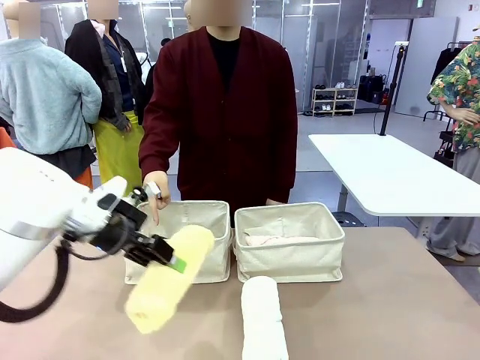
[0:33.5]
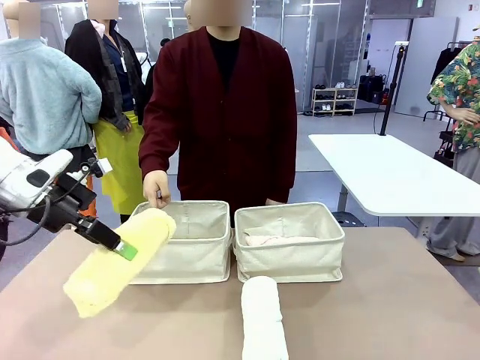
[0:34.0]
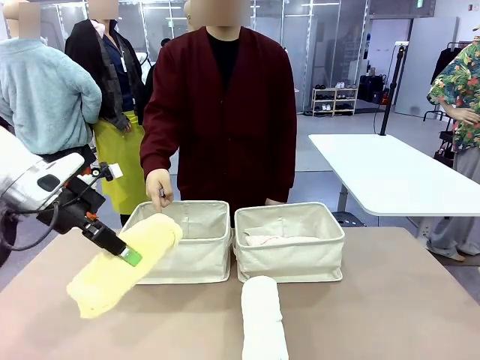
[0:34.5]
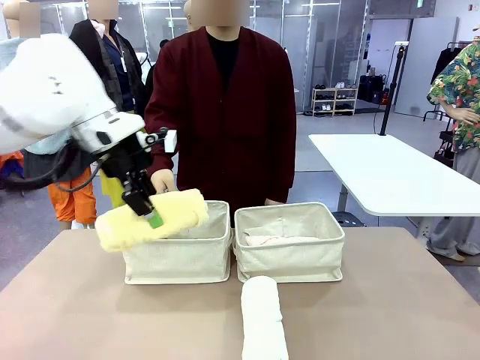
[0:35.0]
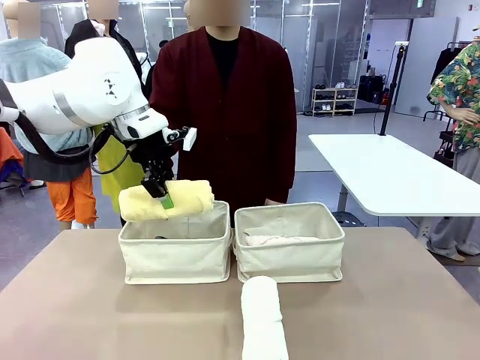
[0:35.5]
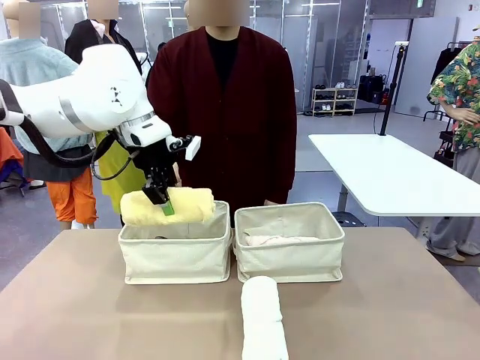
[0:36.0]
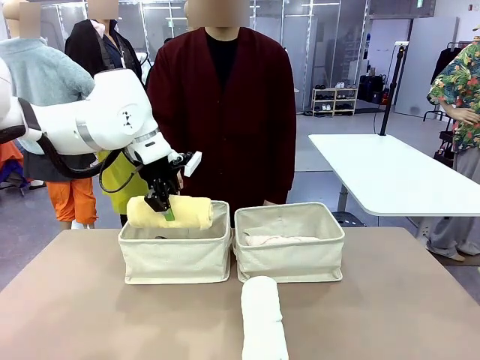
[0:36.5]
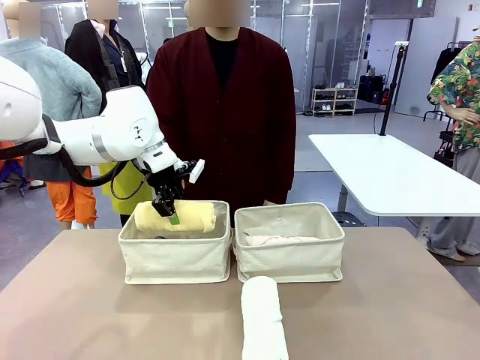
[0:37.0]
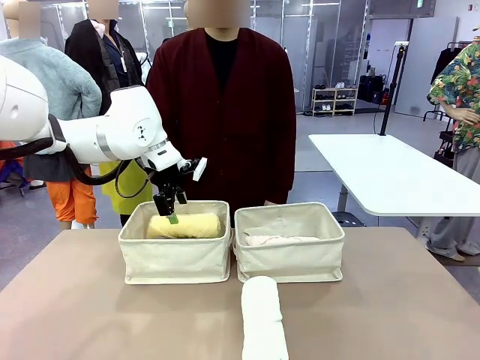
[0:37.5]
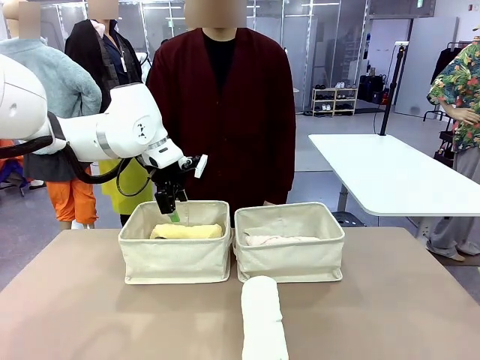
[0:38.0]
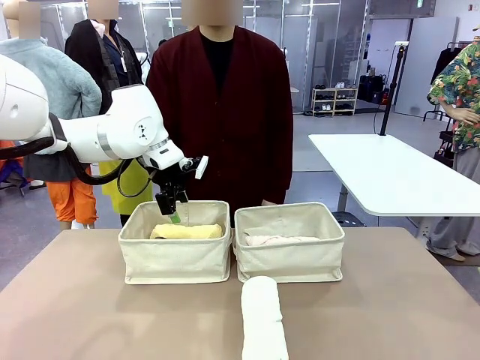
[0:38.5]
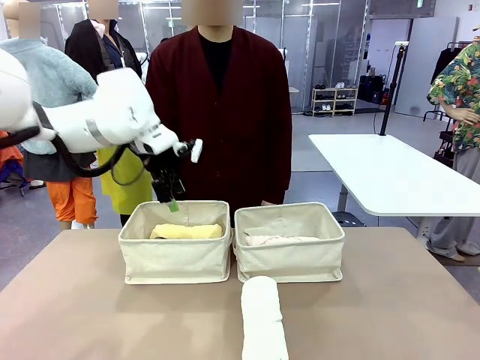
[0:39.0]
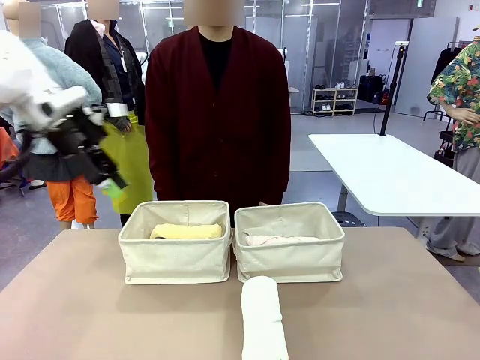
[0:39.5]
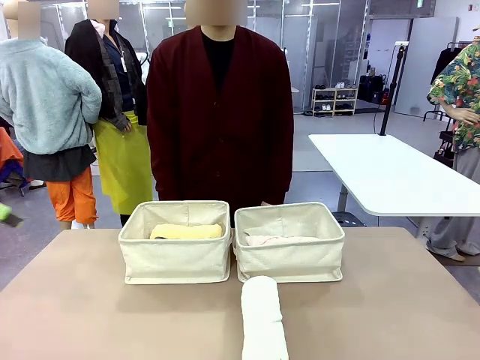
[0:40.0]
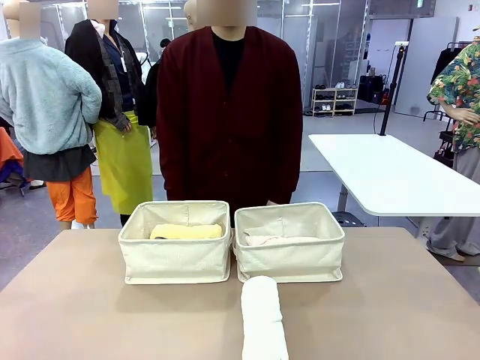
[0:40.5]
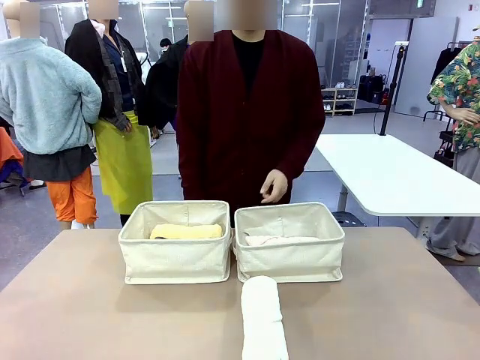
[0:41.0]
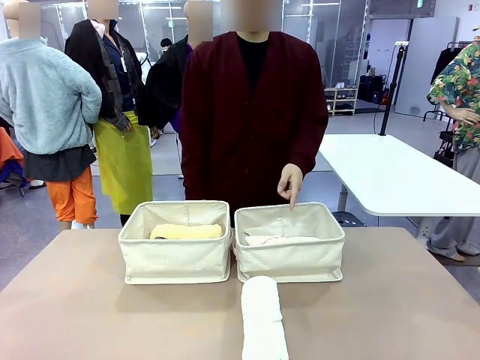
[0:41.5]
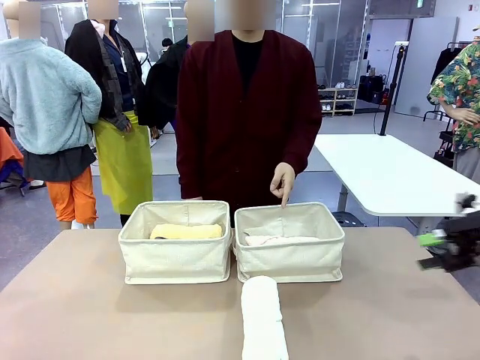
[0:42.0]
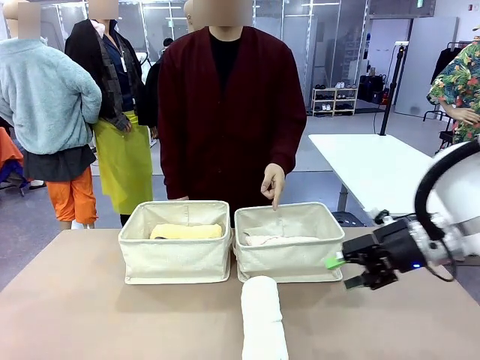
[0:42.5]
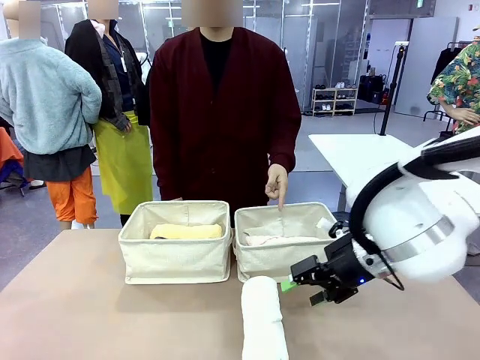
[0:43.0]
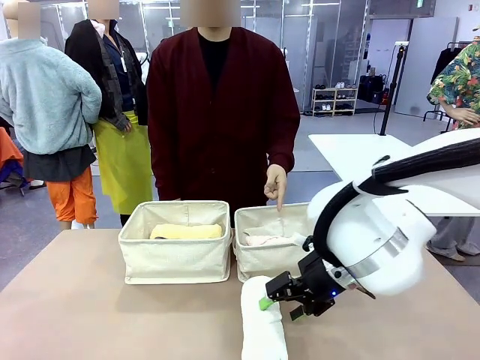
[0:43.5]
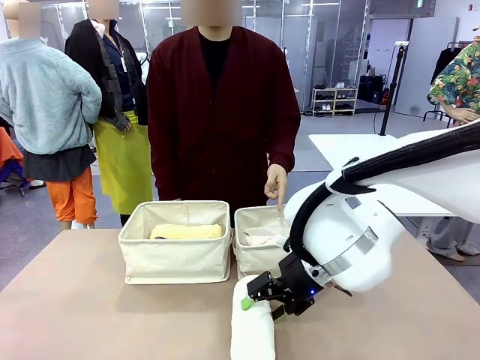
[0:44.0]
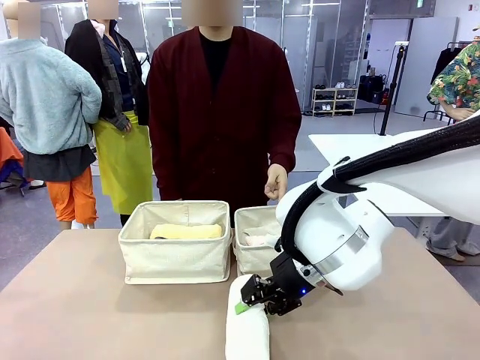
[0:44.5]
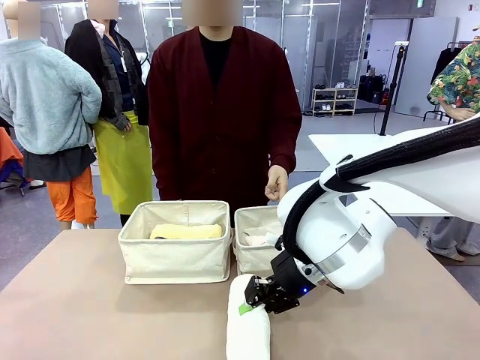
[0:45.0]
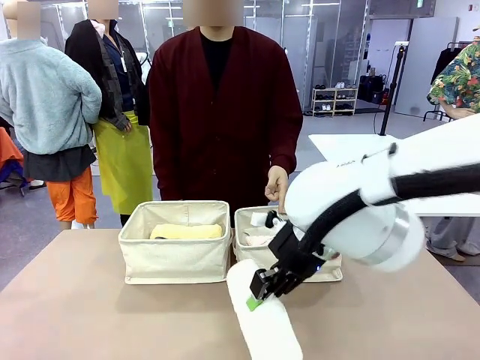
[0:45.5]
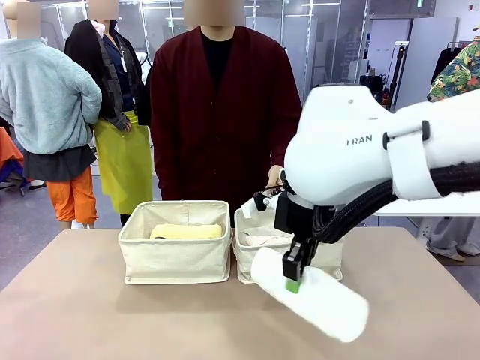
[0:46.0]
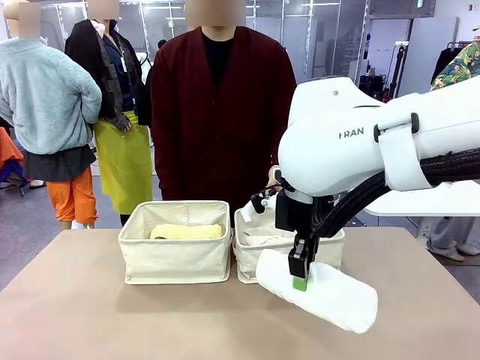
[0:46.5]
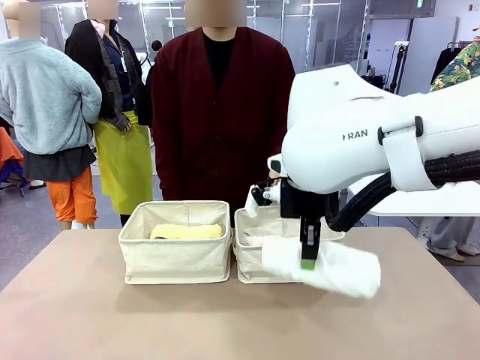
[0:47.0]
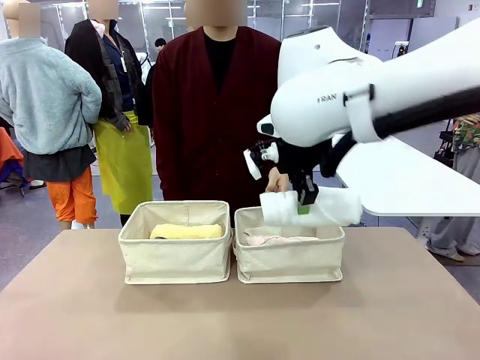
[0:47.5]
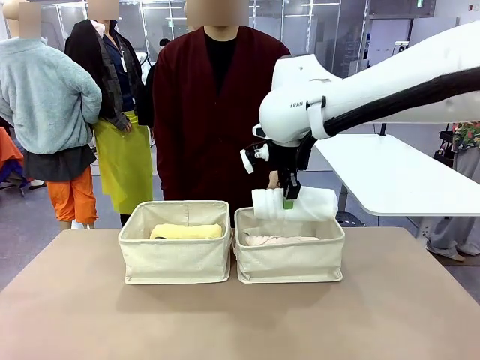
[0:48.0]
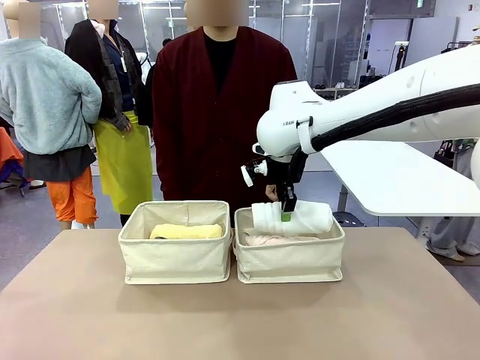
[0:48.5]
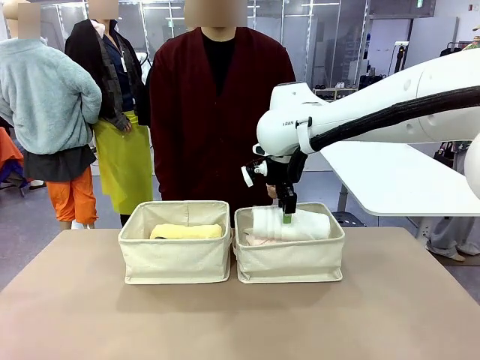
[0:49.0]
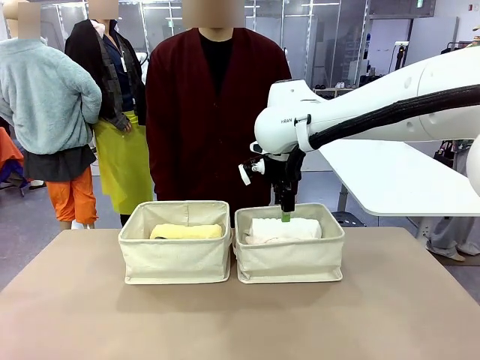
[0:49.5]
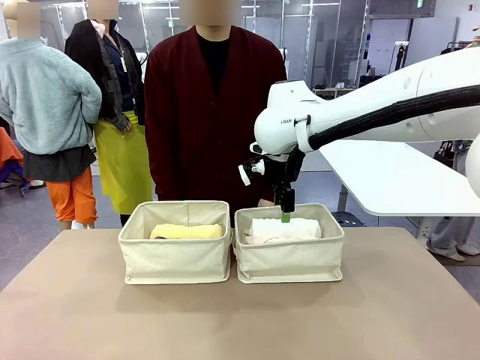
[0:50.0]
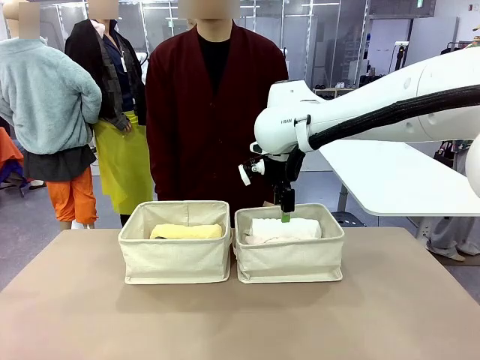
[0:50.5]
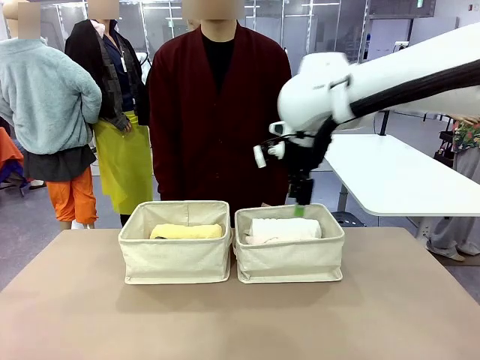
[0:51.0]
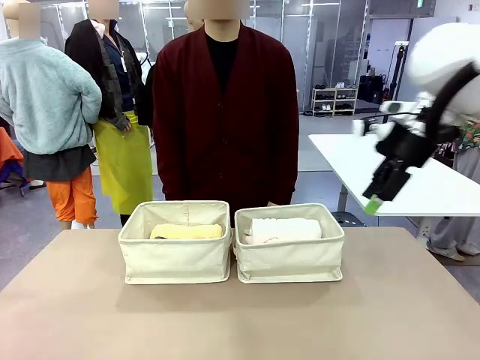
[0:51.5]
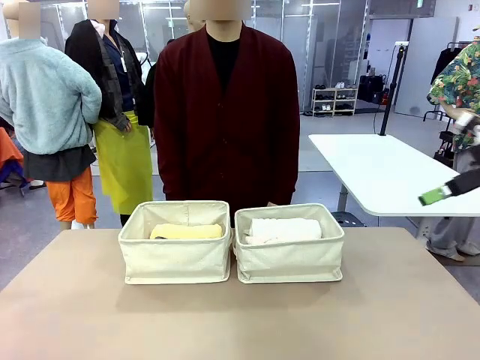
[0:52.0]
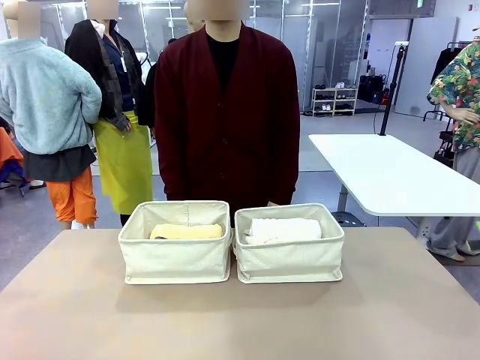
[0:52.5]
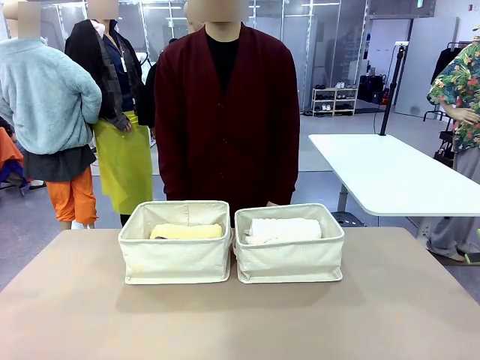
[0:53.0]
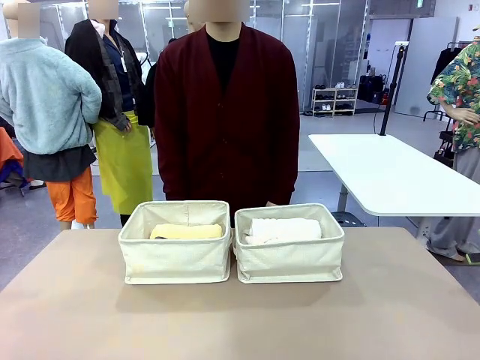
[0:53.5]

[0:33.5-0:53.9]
Task: Divide the towels into two baskets.
Robot: Pick up one hotel-folded towel from the bottom of the table and place it in the Fabric basket indicated by the person.

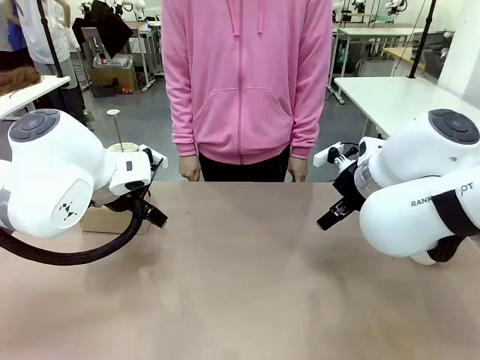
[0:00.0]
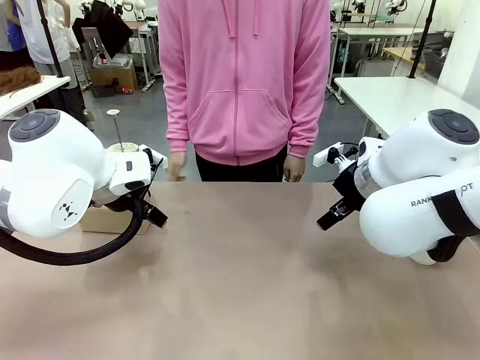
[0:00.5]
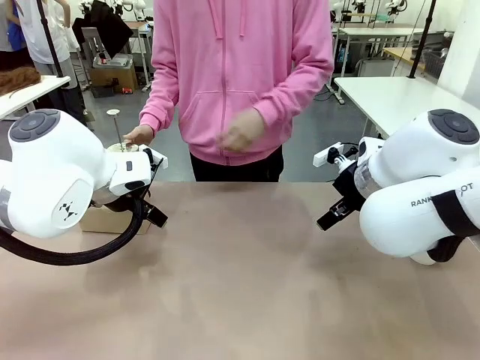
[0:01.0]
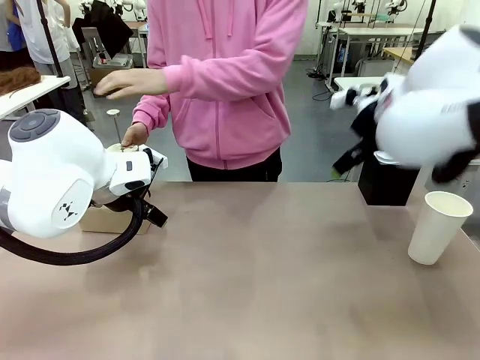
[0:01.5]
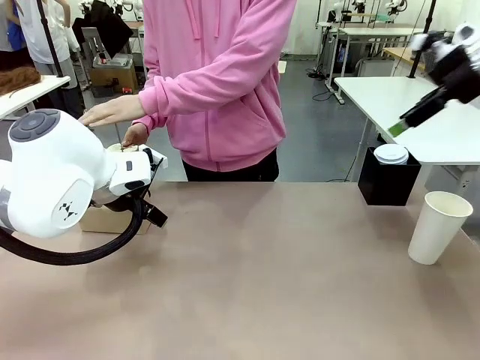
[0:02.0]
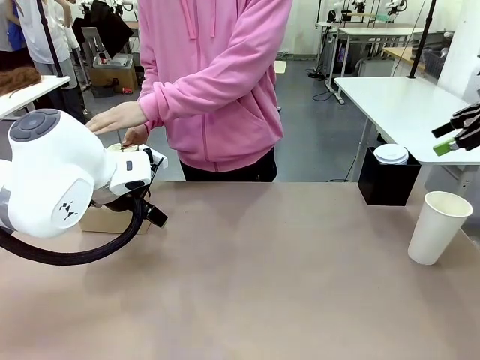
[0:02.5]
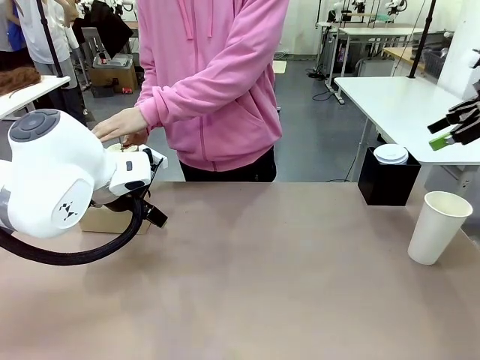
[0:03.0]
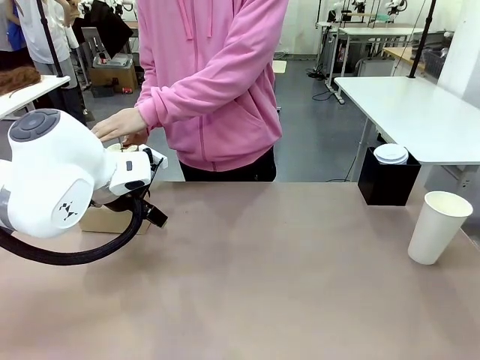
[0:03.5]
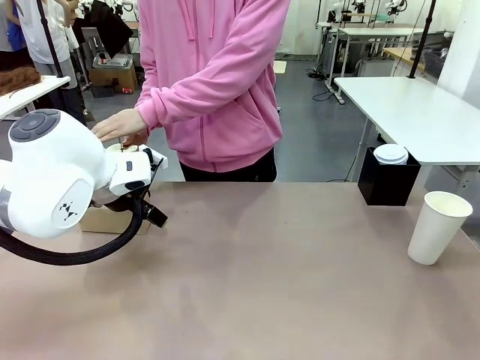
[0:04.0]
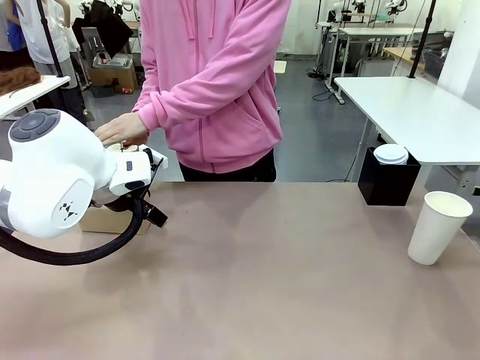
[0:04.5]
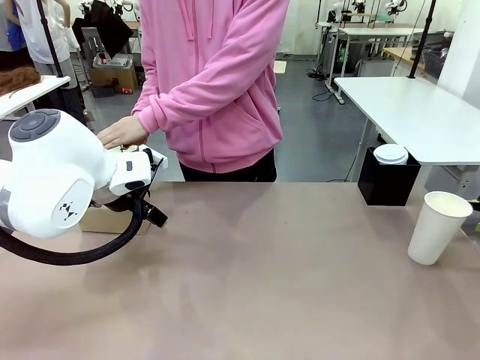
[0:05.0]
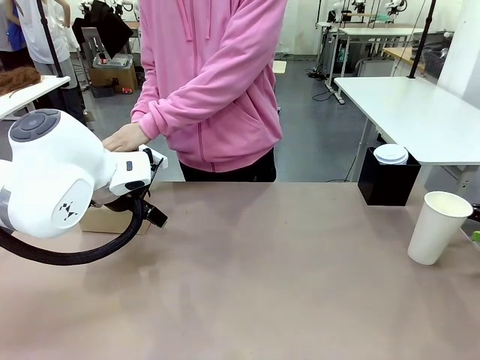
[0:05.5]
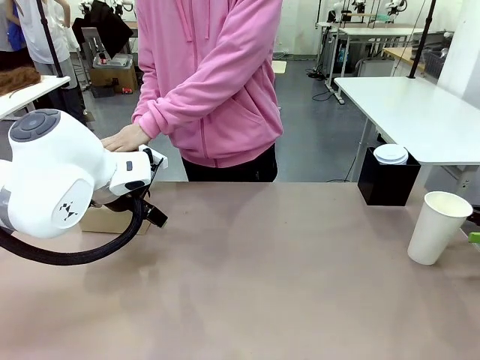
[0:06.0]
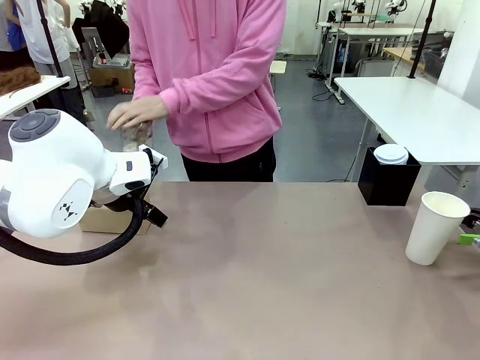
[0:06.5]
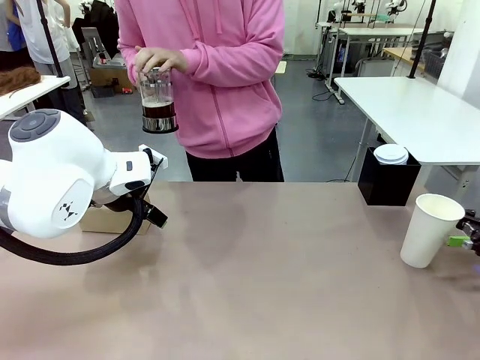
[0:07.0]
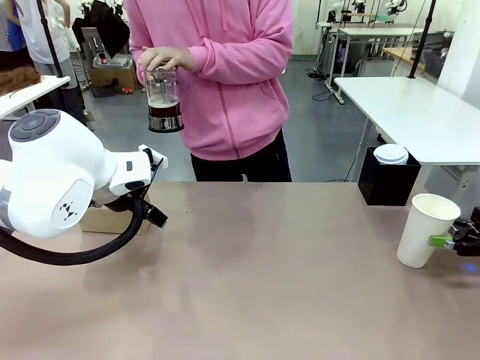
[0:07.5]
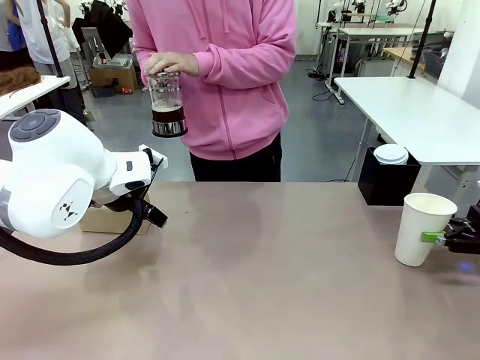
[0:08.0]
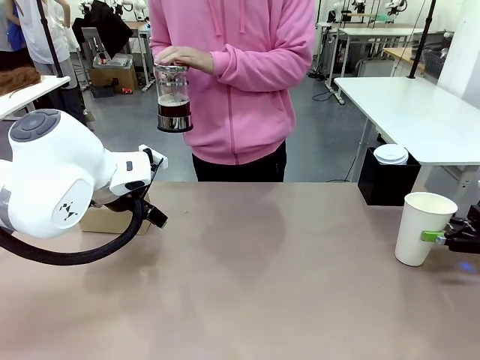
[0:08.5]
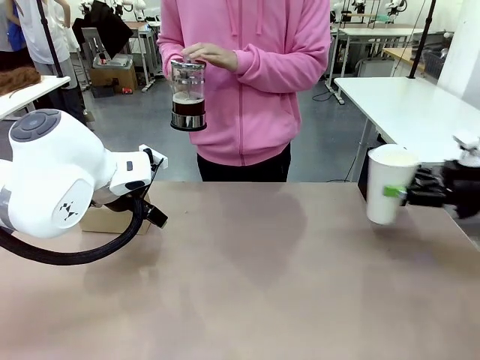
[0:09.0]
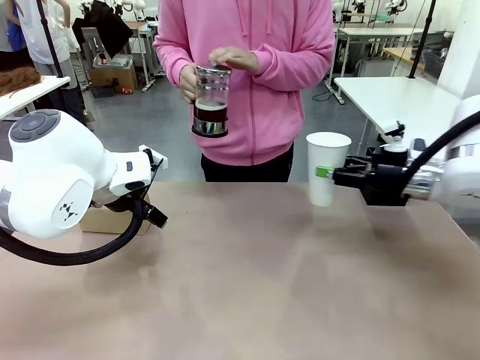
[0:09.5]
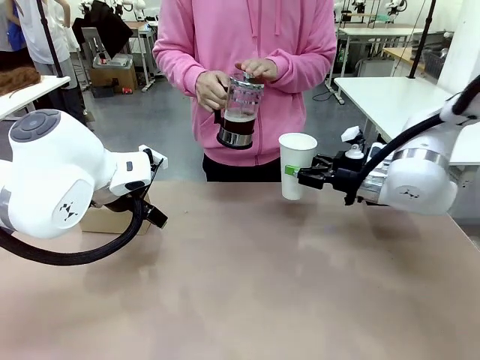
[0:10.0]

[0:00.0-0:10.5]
Task: Pour a drink into a cup and package it in a carrier.
Robot: Pick up the 600 ml Paper Cup and place it in the middle top area of the table.
Person: Press and pick up the Filter Brewing.
